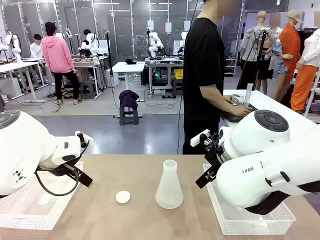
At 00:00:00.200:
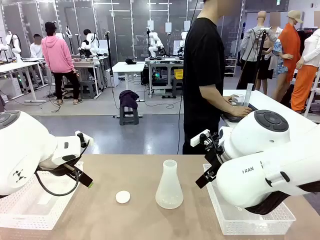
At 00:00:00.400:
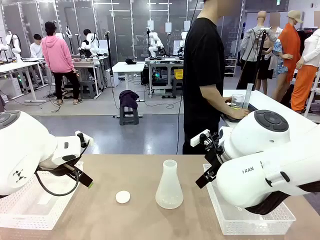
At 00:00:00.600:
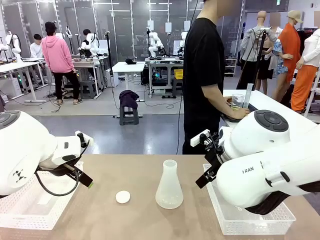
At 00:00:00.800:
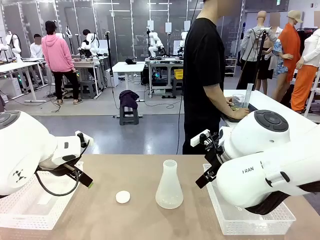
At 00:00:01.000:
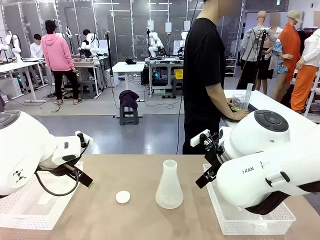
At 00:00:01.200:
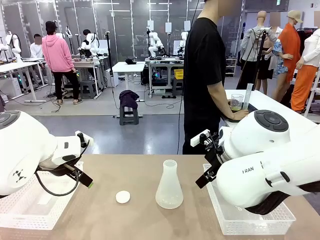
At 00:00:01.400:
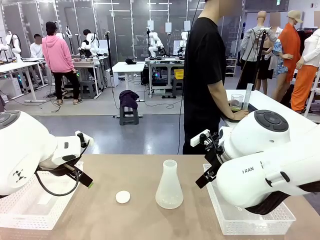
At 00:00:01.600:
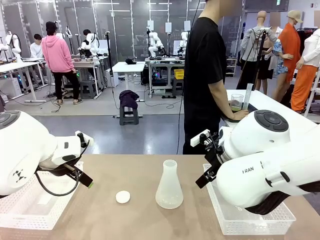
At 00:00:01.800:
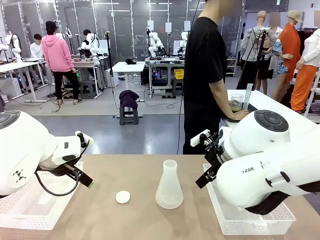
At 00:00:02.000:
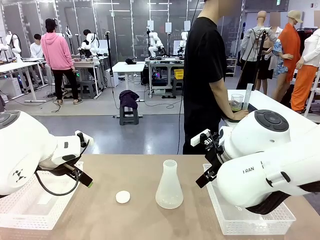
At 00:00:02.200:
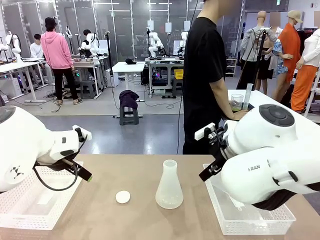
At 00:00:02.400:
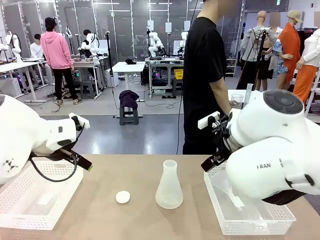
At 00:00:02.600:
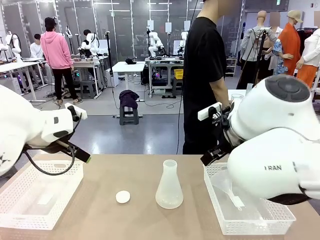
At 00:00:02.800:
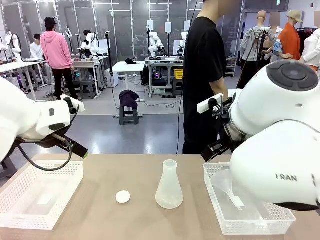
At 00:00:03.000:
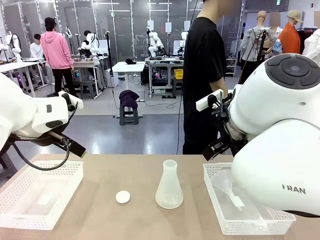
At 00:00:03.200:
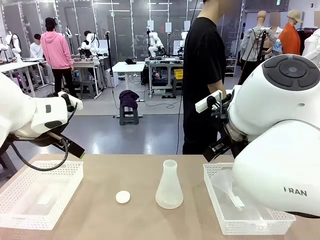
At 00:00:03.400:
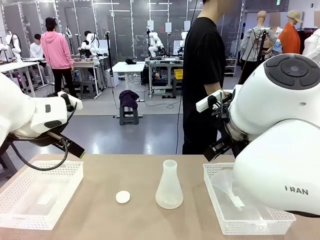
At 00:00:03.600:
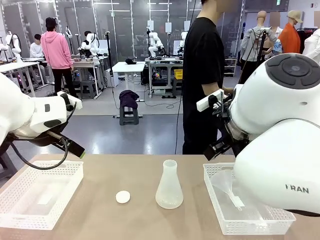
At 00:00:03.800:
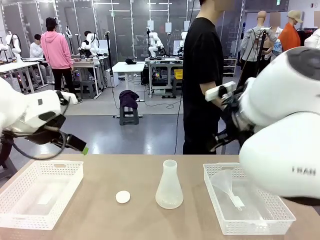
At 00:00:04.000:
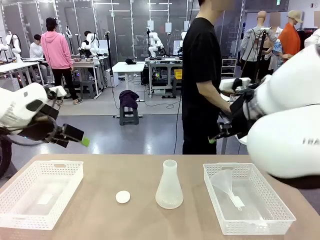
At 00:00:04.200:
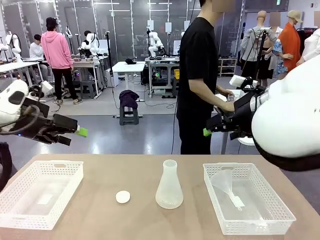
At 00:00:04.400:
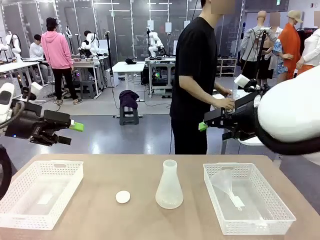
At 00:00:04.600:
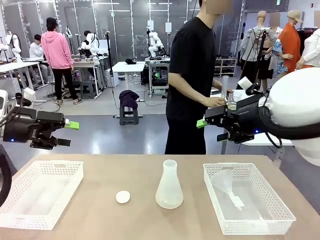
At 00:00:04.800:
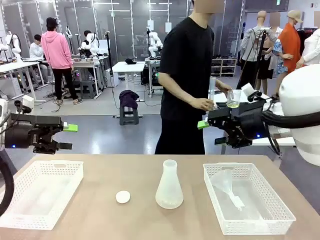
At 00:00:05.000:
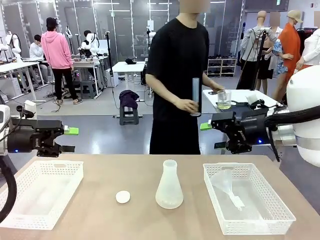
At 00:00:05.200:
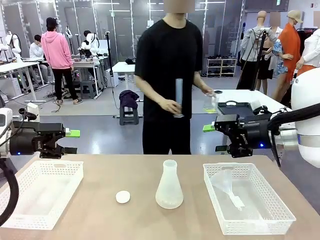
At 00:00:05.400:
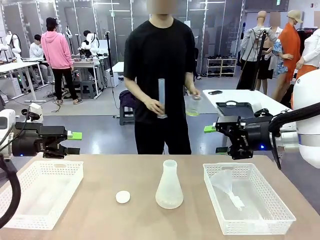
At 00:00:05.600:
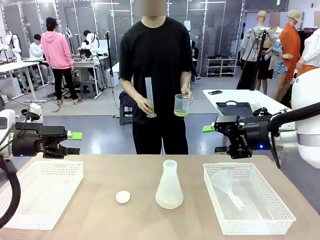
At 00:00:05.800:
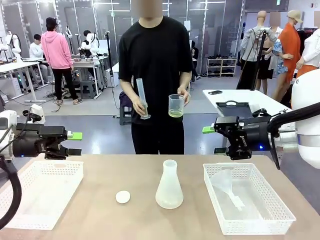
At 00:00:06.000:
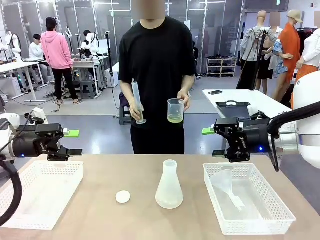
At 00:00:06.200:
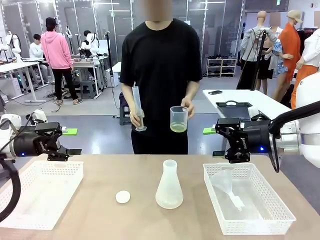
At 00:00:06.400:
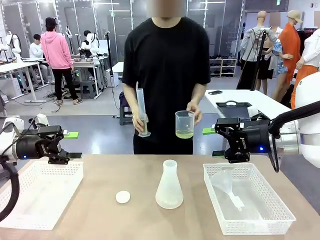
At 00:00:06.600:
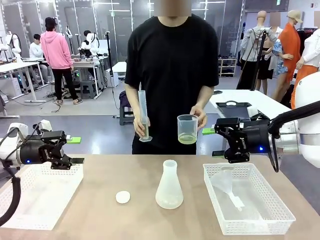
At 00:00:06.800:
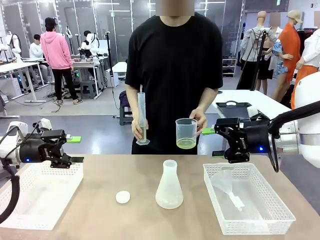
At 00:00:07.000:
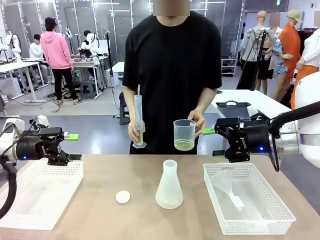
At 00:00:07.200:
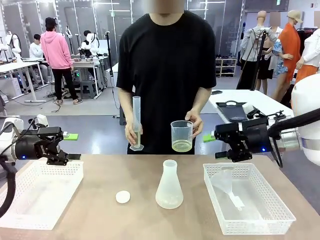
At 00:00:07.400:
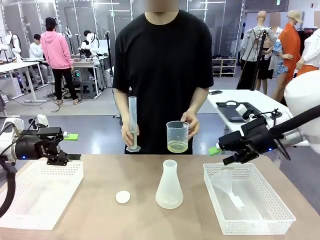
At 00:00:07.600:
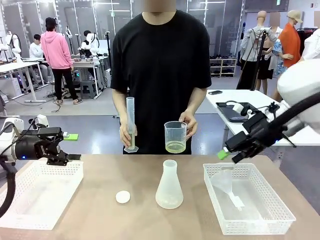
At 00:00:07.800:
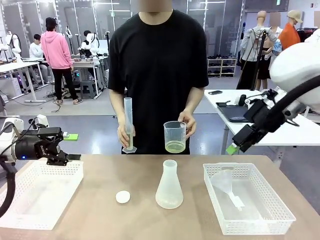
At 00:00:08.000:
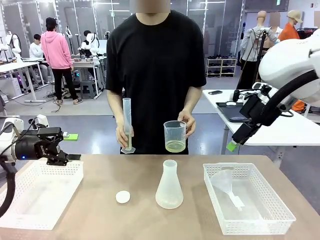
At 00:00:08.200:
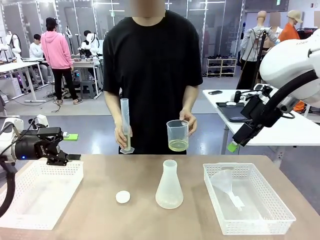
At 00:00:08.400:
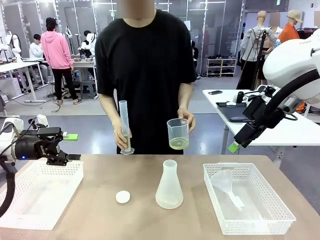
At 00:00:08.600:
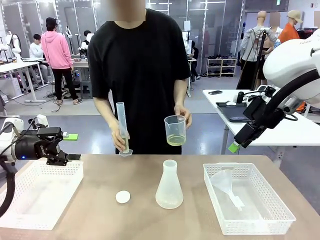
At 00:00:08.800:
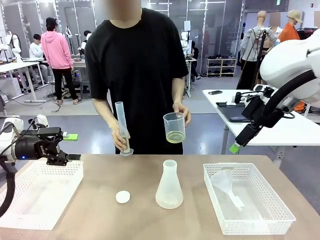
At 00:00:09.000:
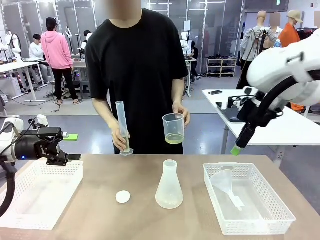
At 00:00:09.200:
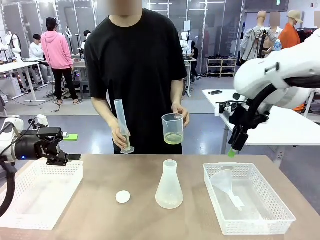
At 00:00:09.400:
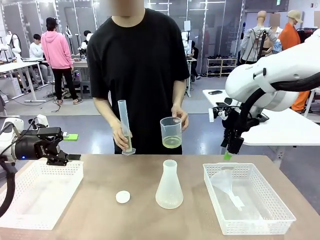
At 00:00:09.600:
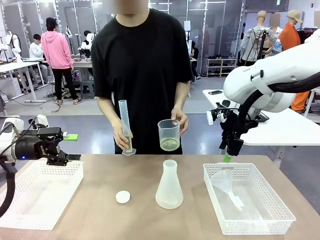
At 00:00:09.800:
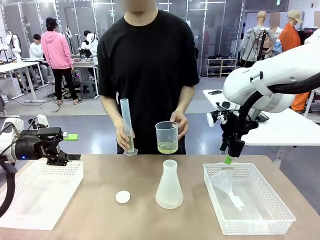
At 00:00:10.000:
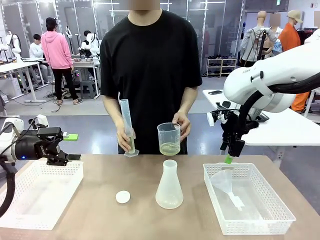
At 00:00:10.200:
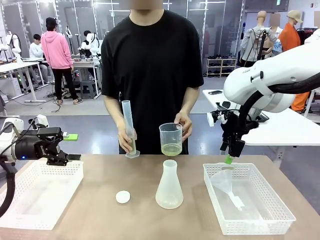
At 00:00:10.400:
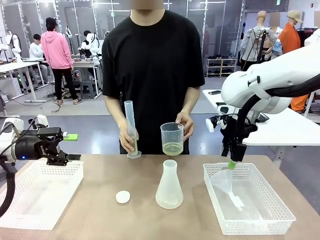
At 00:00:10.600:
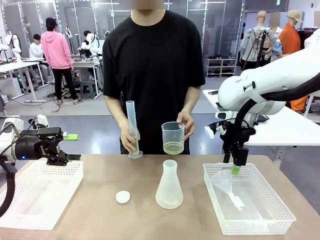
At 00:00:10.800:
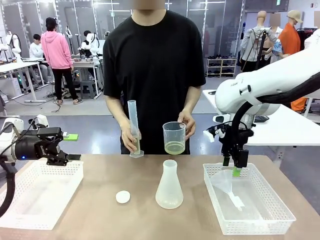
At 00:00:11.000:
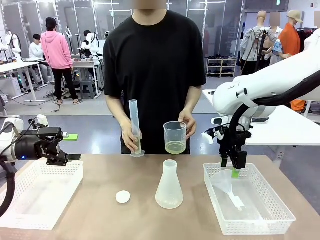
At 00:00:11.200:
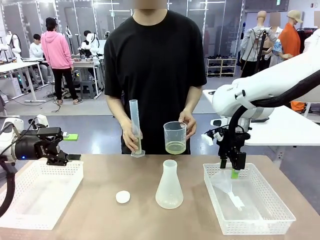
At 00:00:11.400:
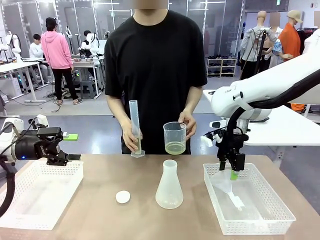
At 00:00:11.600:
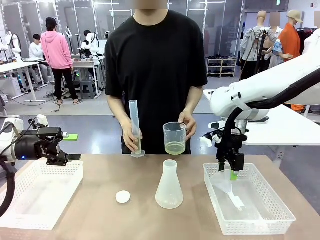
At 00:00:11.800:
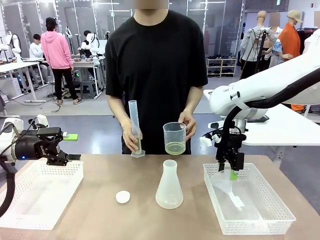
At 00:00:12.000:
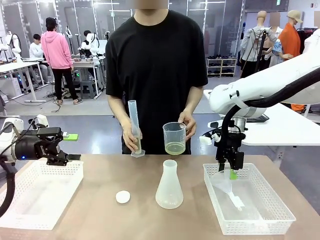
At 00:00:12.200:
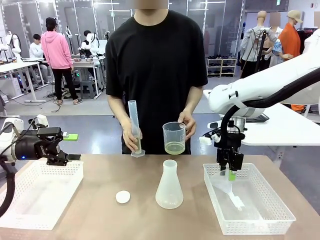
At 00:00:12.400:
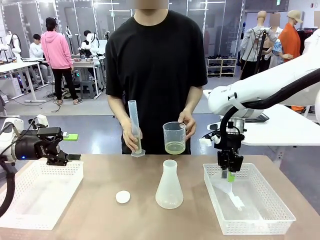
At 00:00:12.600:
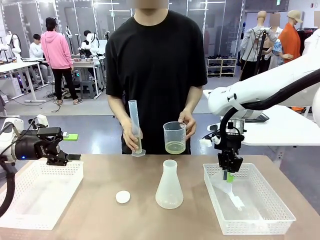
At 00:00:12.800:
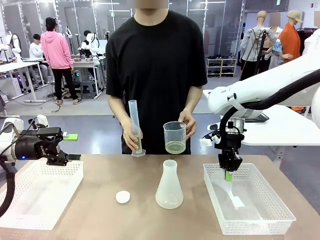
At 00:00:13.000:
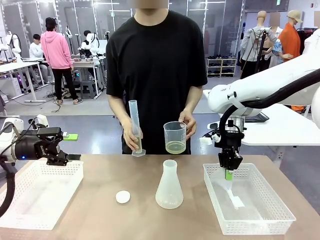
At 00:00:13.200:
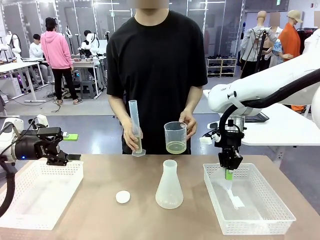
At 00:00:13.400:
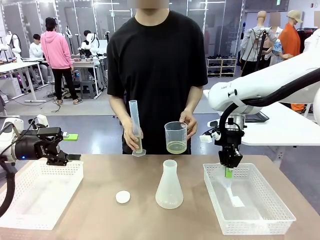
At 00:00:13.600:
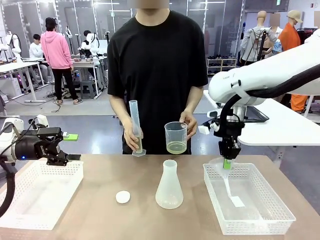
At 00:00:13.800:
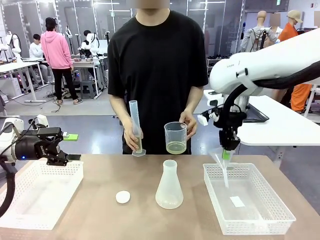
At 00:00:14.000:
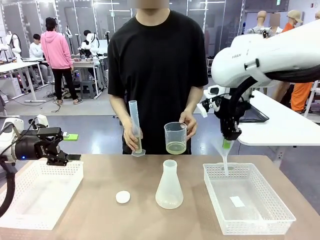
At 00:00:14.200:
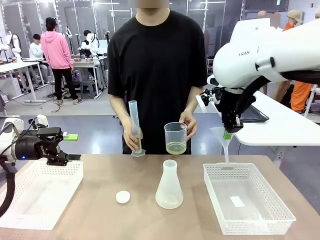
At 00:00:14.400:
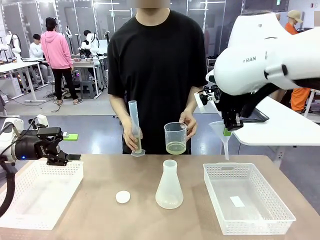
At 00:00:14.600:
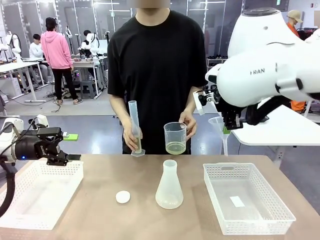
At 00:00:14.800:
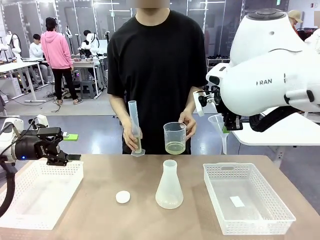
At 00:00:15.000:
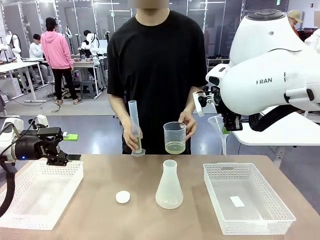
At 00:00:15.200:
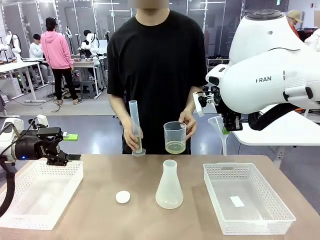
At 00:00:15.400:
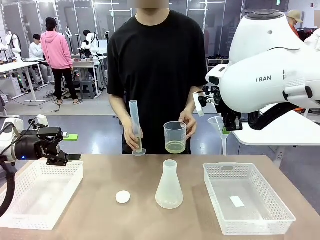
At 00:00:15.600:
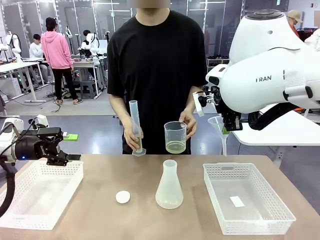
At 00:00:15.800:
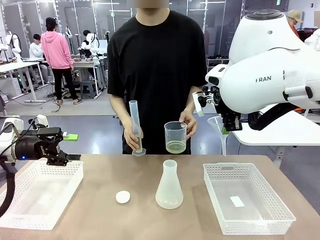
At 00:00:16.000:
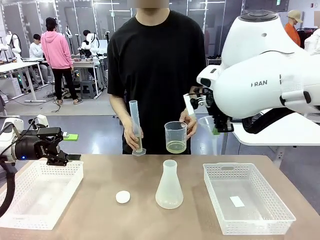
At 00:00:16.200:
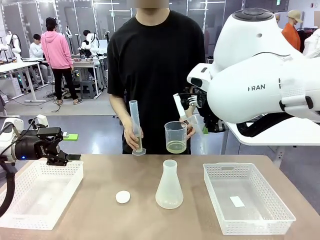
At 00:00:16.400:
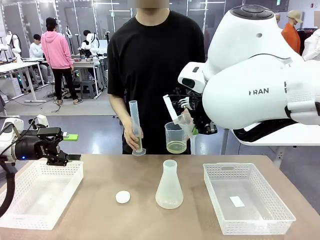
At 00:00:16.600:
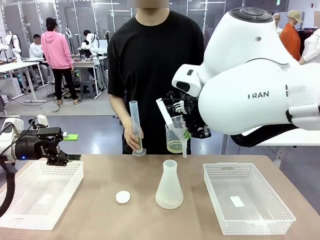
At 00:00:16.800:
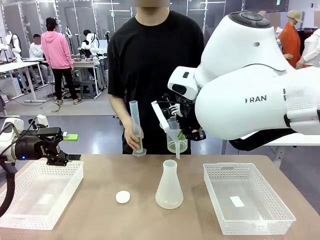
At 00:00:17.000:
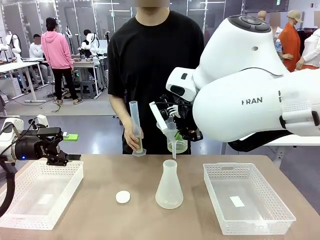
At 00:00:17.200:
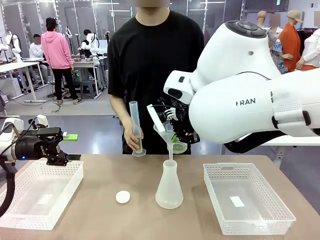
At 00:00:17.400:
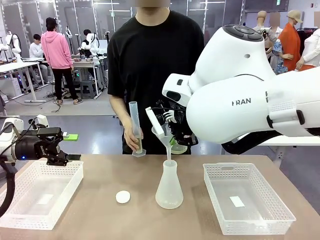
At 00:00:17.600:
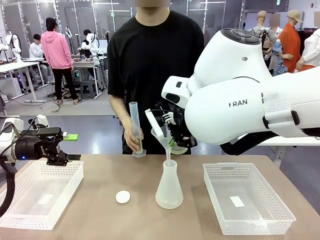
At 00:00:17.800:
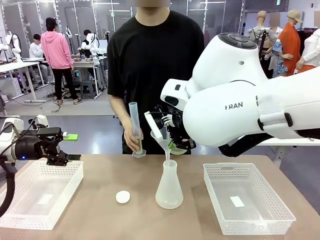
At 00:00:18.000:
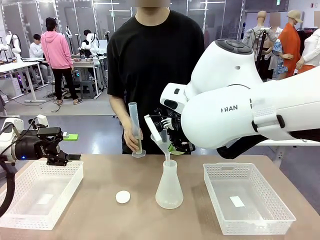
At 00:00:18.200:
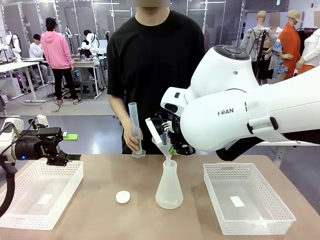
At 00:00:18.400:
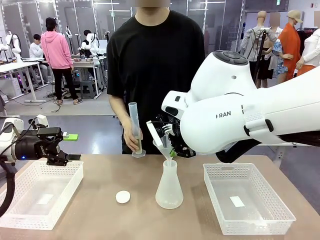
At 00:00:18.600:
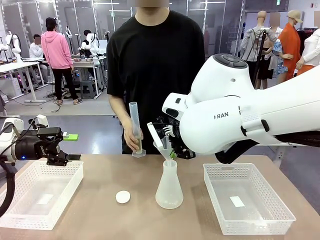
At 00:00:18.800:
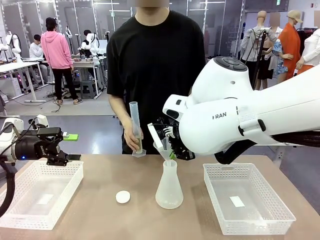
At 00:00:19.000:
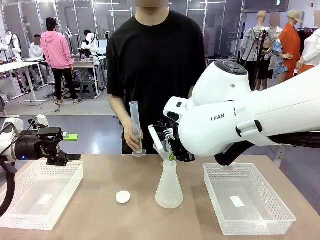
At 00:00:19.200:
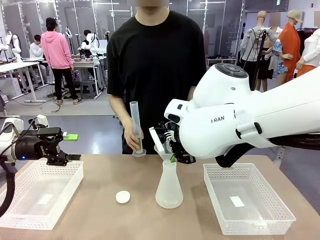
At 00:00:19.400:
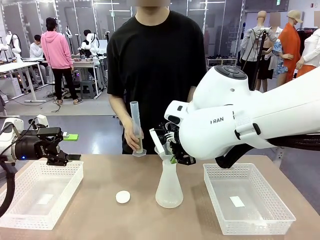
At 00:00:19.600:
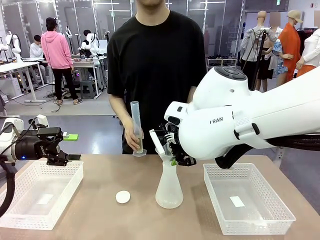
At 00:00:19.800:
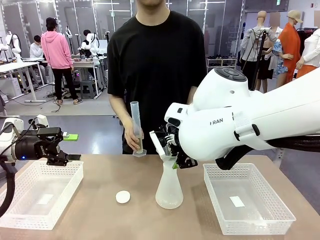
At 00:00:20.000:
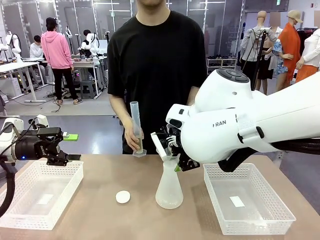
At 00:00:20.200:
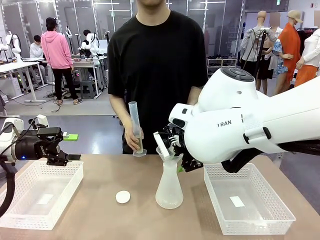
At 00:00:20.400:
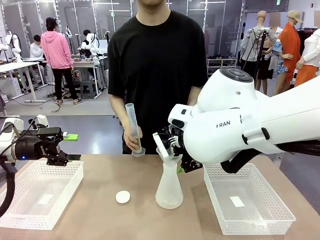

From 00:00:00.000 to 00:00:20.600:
Task: Prepare the solutions needed for the experiment.
Robot: Pick up the Plastic Funnel and insert it into the Big flask.
Person: Pick up the beaker and the cylinder and move to the middle of the robot table. Pour the solution from the beaker and the cylinder into the flask.
